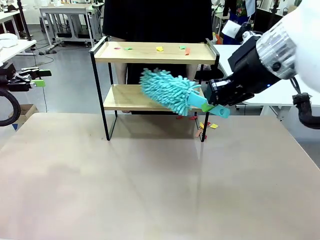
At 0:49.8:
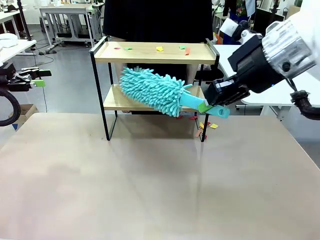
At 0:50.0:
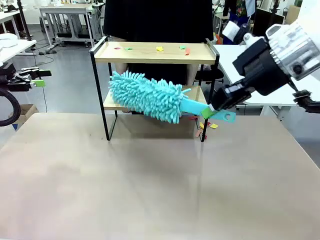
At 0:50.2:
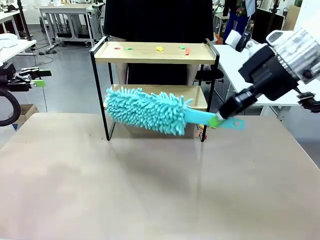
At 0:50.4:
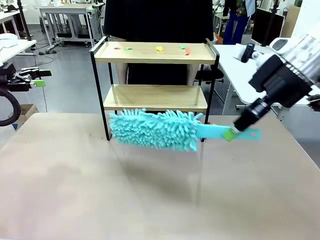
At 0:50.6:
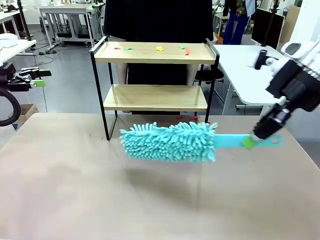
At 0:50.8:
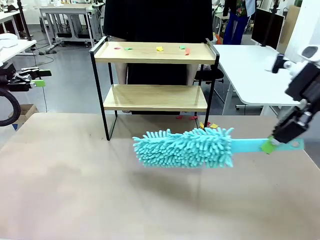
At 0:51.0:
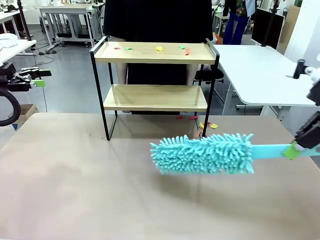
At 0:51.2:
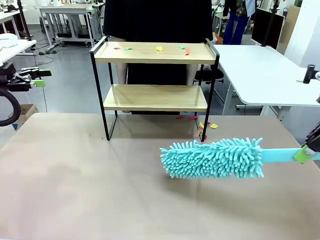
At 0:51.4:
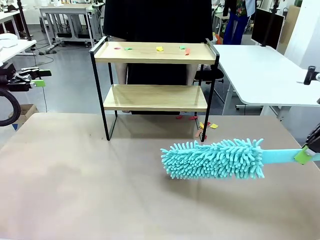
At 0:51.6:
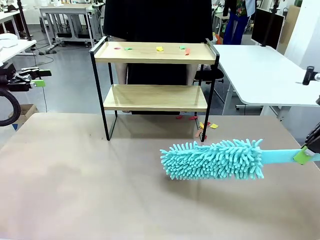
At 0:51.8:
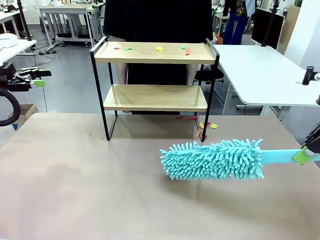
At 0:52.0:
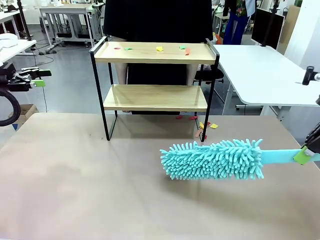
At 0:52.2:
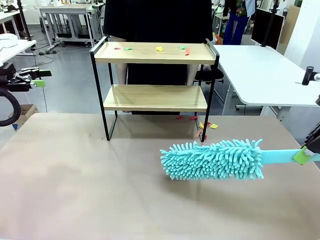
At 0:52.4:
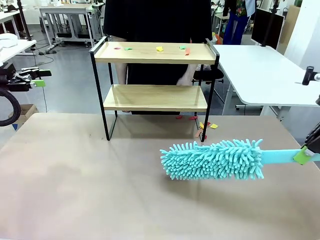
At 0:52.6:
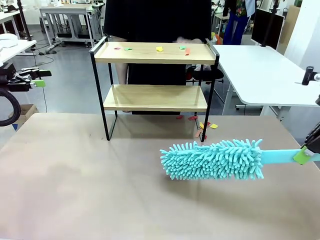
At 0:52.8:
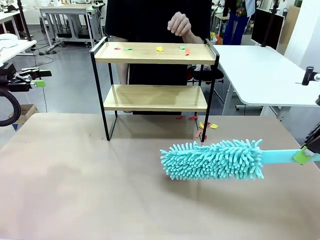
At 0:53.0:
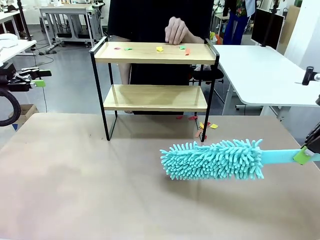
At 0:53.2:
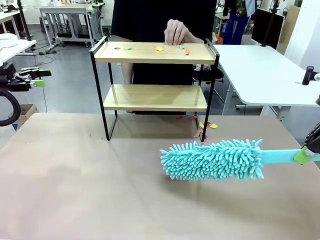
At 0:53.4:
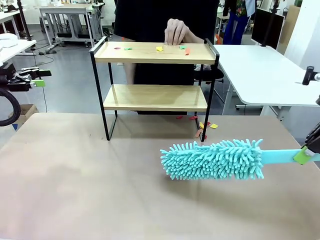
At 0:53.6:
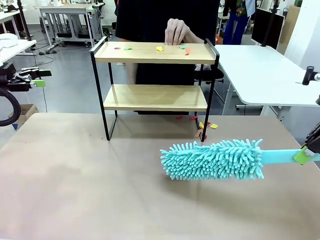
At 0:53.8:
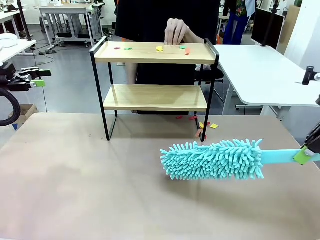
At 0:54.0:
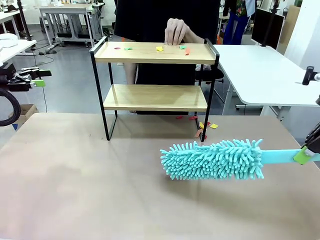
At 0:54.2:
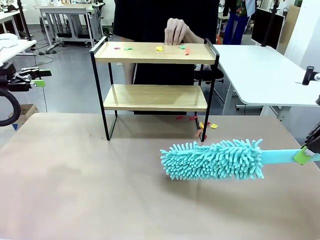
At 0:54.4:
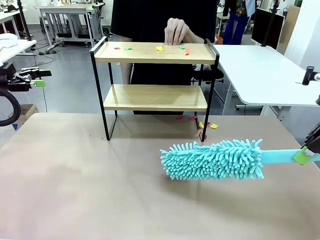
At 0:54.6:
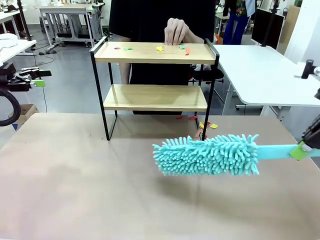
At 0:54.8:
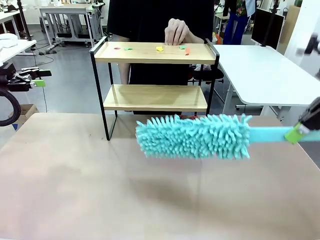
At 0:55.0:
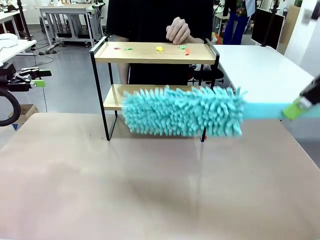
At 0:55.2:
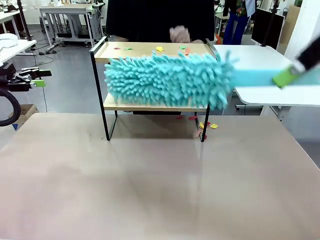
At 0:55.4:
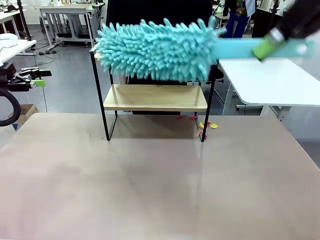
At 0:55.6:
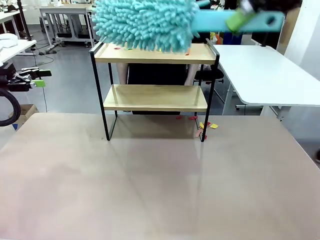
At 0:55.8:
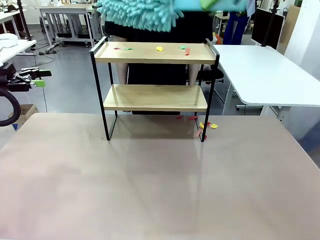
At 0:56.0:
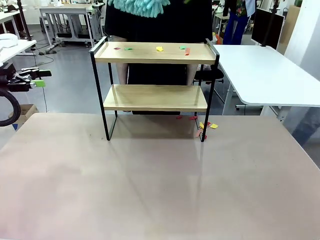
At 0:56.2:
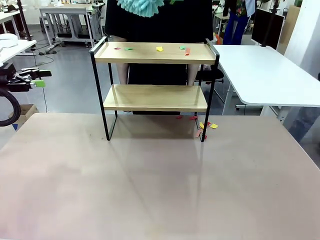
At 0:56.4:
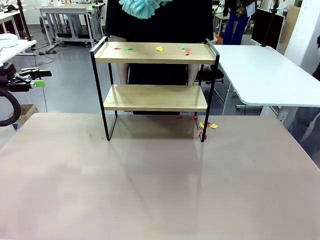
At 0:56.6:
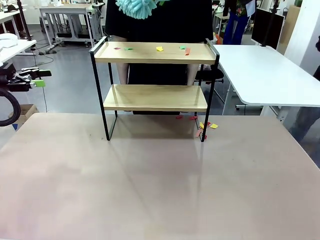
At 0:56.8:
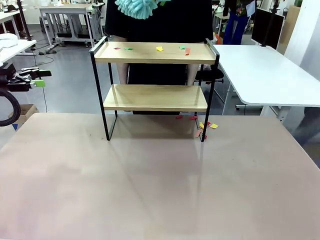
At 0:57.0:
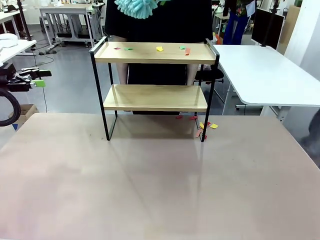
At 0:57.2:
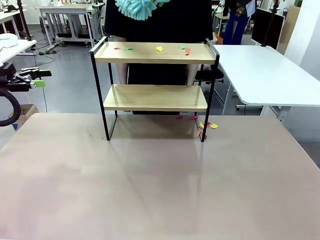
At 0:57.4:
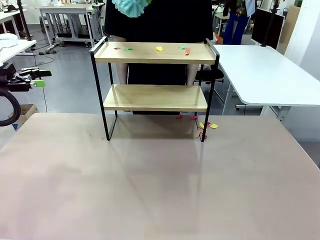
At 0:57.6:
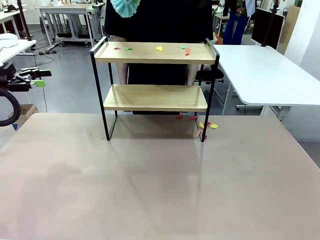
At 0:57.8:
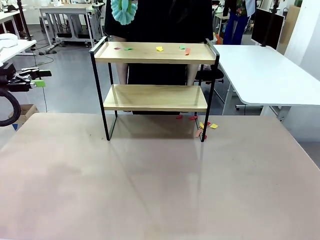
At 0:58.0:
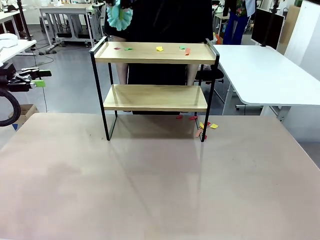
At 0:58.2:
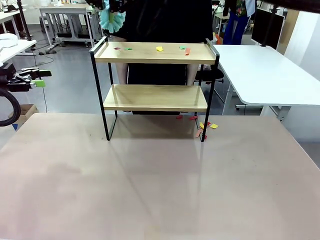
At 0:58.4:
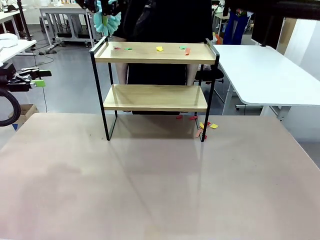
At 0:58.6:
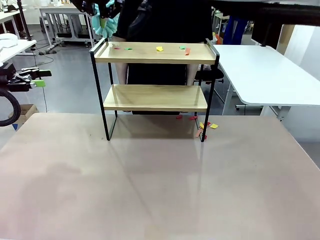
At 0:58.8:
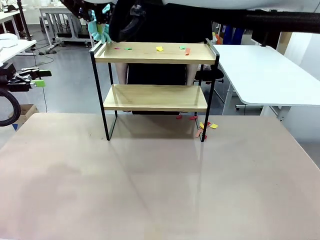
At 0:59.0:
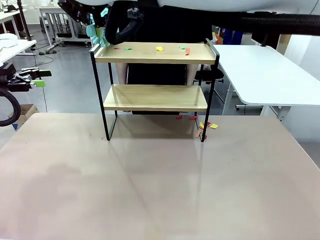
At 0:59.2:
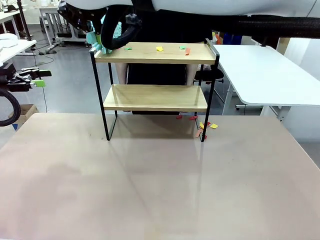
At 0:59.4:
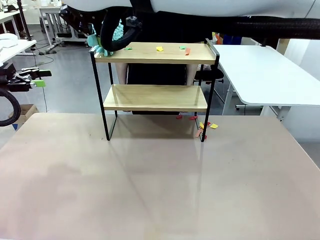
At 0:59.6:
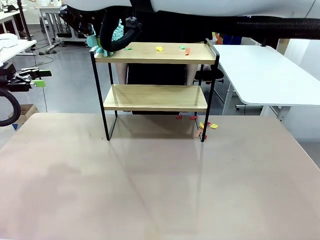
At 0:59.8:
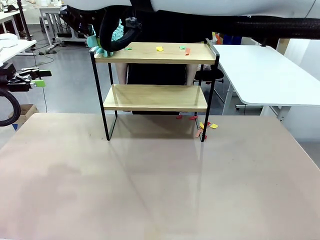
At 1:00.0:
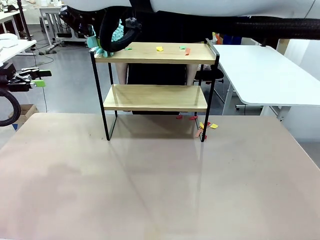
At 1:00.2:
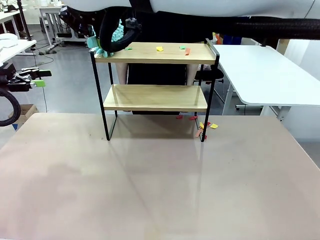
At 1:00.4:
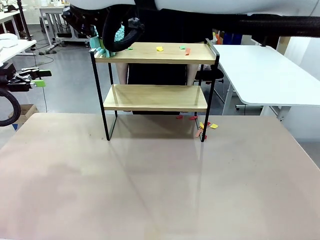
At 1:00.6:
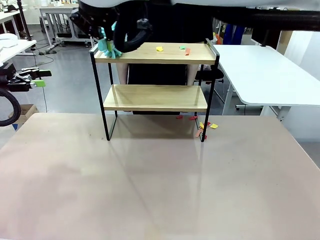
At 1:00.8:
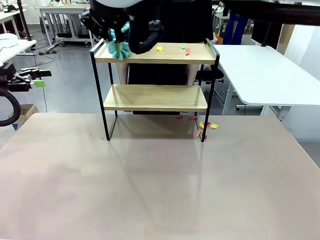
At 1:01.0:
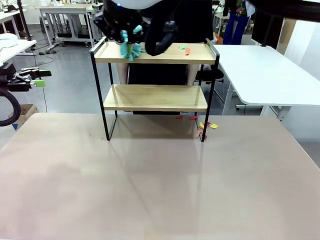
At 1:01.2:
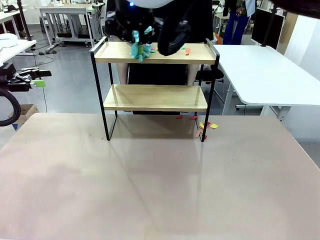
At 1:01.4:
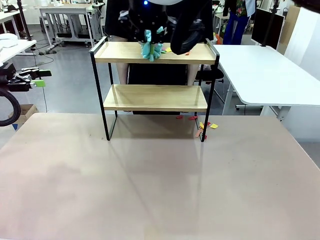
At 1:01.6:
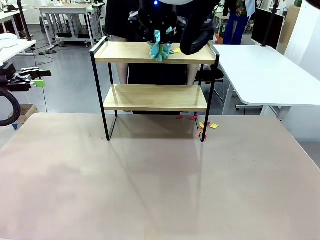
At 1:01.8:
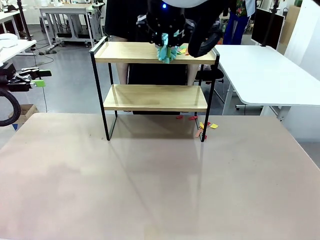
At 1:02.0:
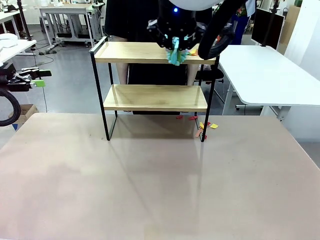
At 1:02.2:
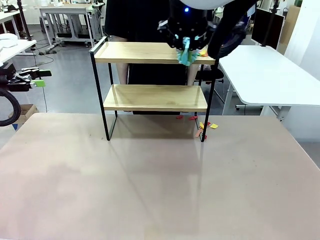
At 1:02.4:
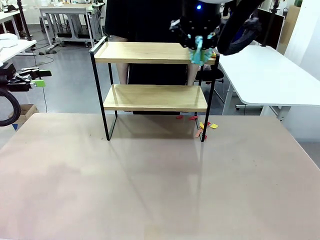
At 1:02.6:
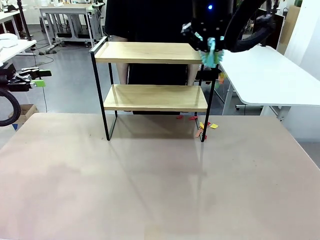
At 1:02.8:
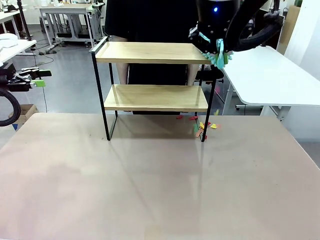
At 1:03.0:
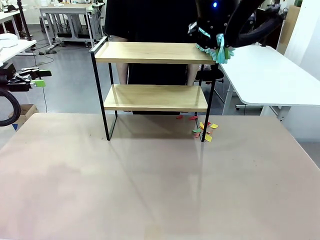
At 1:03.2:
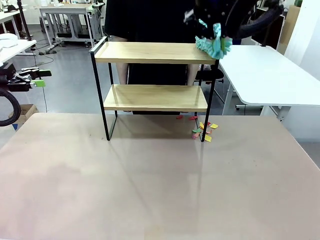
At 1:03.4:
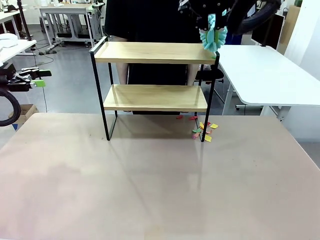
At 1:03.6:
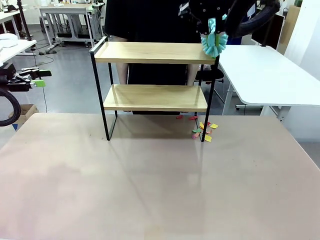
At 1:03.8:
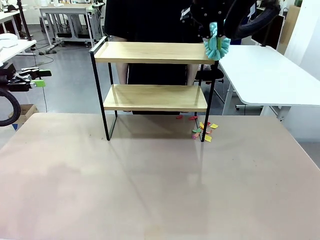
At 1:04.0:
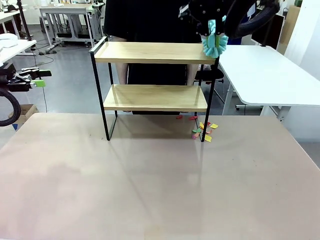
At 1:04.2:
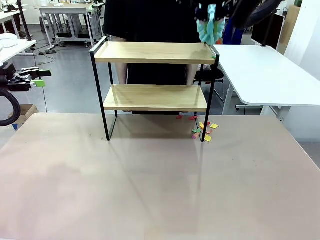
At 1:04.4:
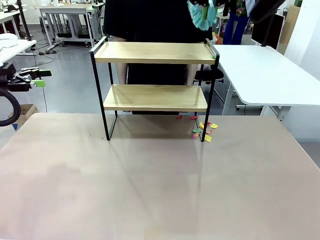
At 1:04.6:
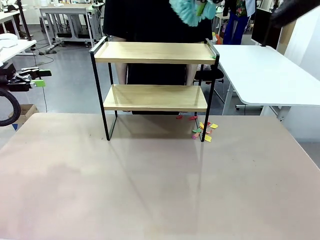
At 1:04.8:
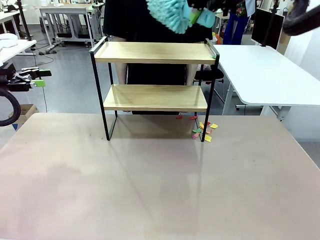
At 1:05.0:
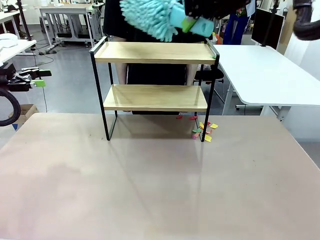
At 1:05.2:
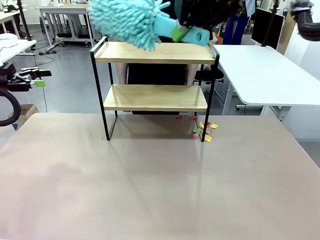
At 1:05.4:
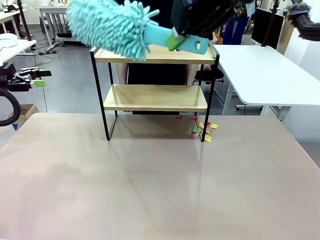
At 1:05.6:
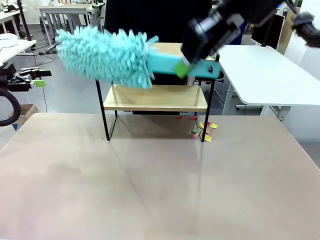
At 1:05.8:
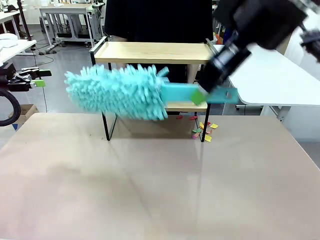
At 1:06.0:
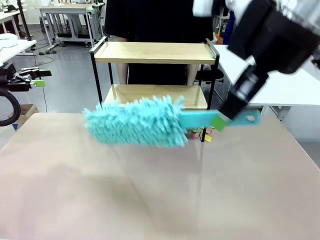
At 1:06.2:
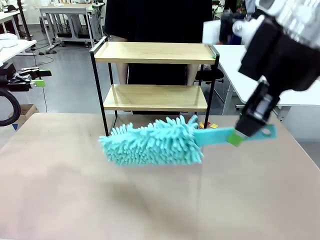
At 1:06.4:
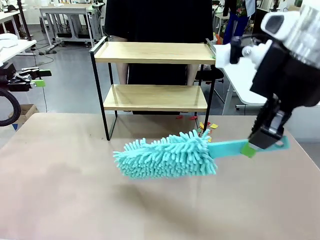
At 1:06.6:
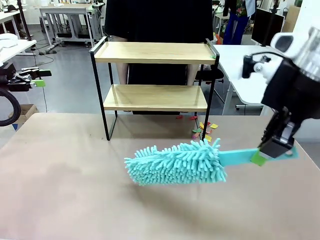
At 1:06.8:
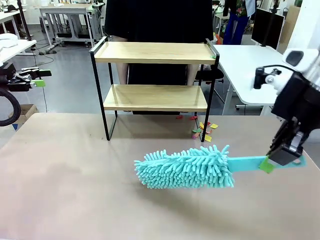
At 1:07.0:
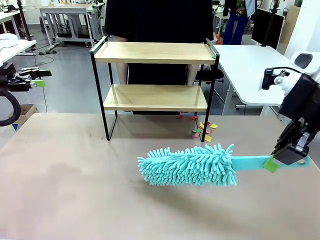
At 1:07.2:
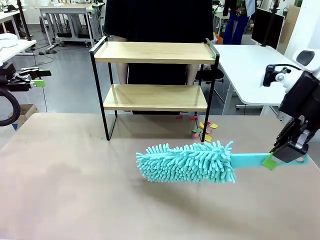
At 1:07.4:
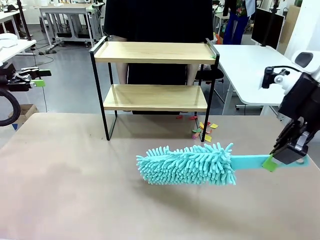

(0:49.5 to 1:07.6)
Task: Clean the shelf.
Robot: Clean the specific section of the Shelf indicated by the human with the Duster.

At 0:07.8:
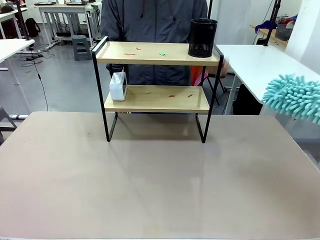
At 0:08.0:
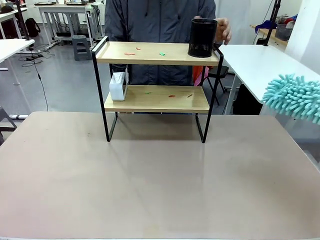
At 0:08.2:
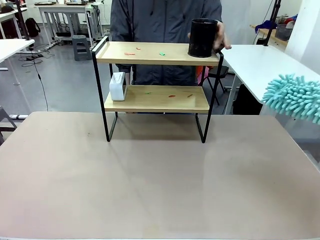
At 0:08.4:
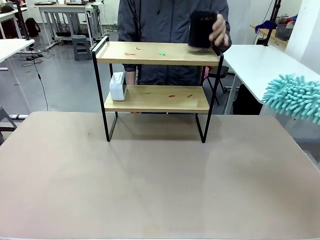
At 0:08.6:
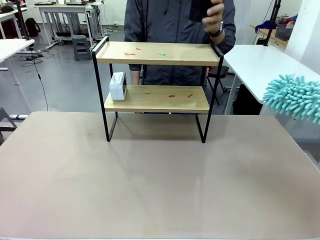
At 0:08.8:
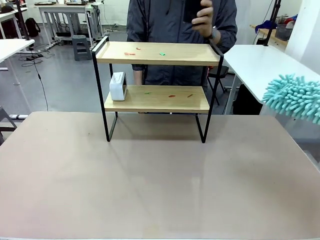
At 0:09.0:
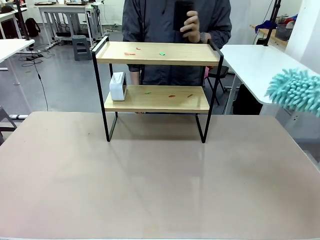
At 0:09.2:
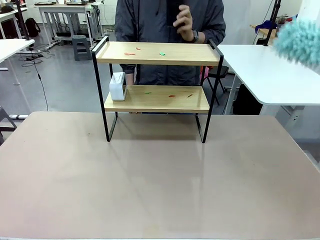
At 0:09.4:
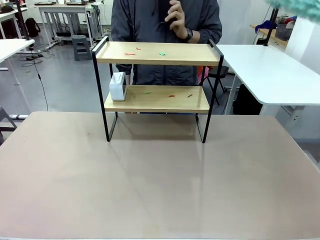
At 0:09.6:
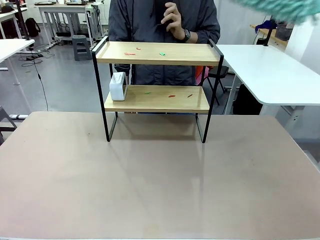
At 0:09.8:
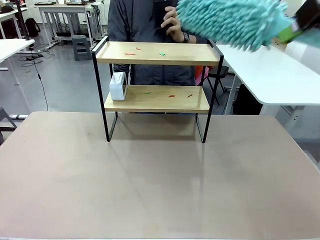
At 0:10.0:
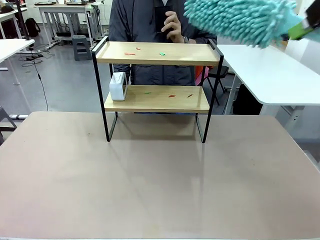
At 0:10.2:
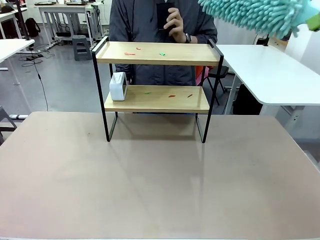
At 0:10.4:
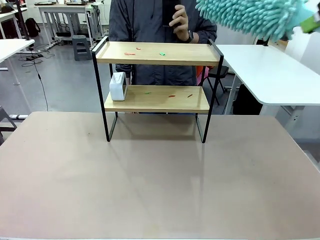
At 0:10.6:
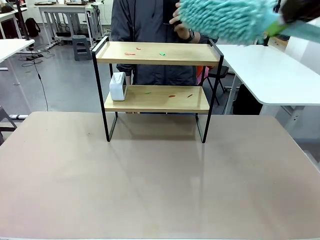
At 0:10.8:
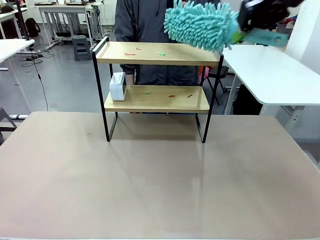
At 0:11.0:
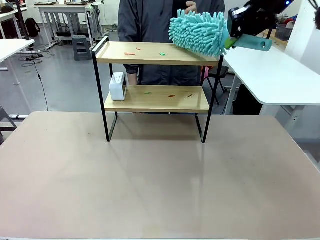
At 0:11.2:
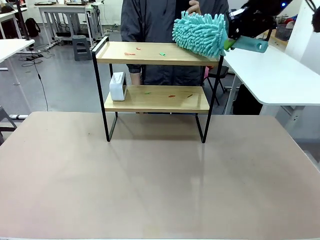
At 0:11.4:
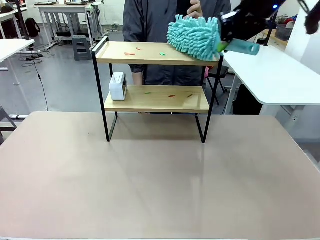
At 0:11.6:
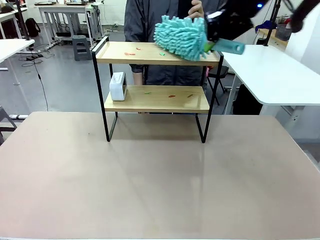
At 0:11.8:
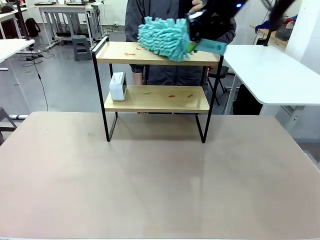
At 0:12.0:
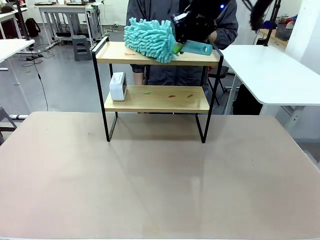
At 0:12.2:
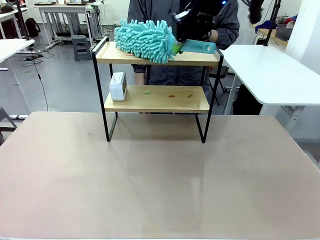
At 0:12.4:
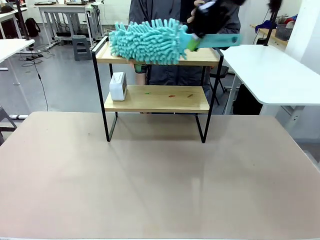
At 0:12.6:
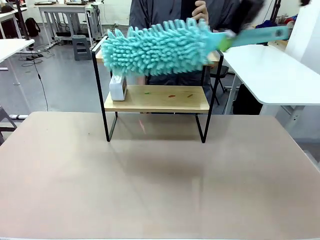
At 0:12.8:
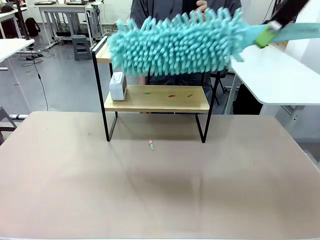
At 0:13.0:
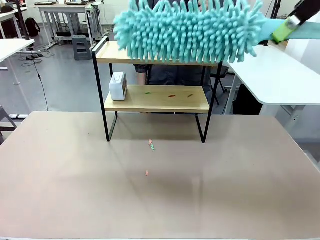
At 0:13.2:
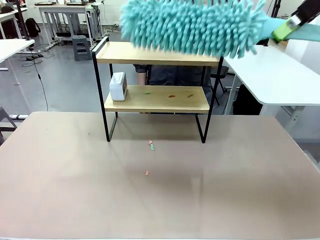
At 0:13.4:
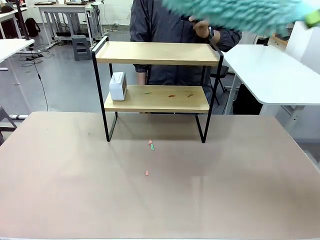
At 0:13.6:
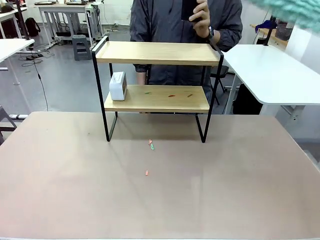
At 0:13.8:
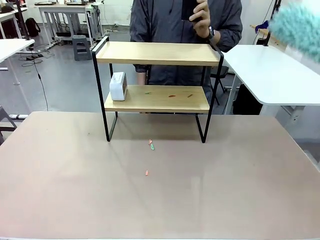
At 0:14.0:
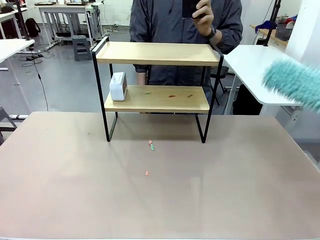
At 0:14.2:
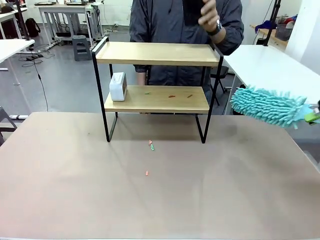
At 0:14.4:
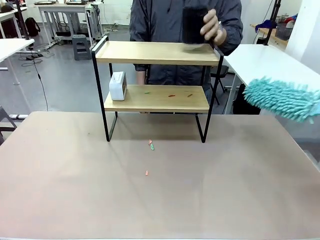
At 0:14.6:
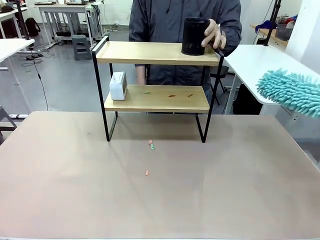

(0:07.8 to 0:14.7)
Task: Clean the shelf.
Robot: Clean the specific tier of the Shelf with the Duster once objects are removed.
Person: Lift the objects on a randomly selected tier of the Shelf. Once the robot finishes cleaning, lift the objects on the remaining tiers of the Shelf.
